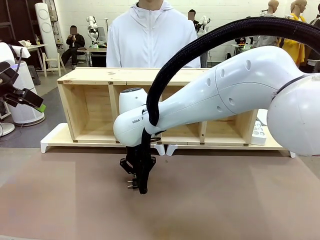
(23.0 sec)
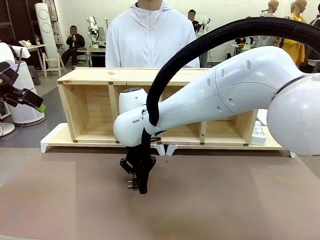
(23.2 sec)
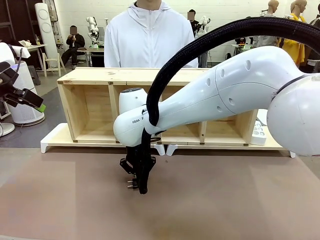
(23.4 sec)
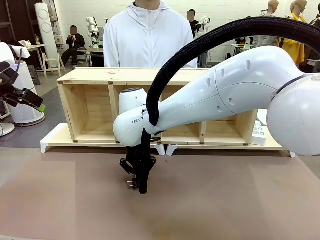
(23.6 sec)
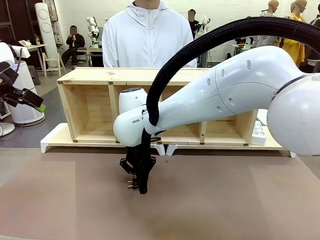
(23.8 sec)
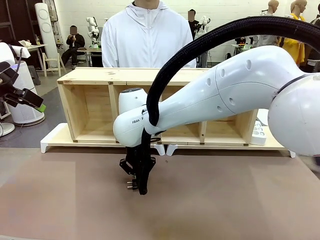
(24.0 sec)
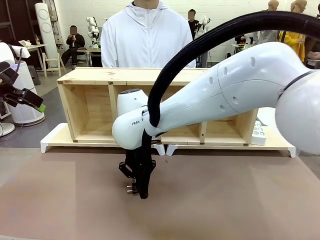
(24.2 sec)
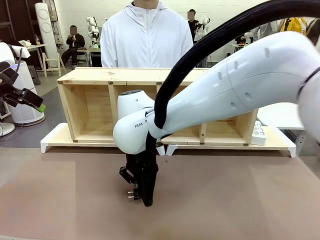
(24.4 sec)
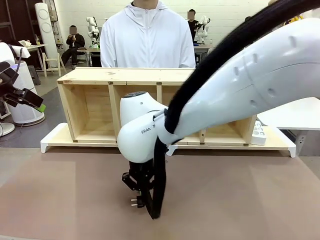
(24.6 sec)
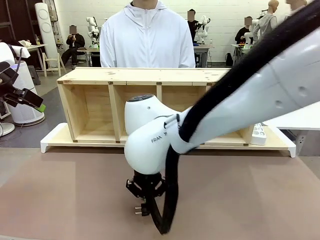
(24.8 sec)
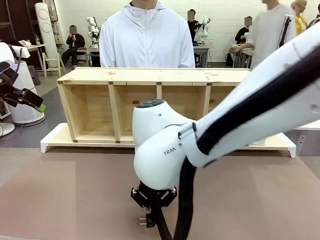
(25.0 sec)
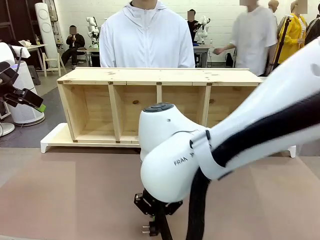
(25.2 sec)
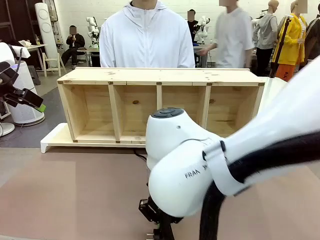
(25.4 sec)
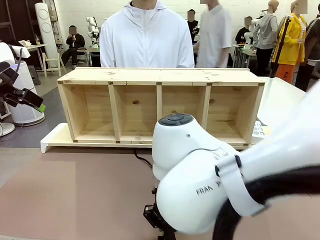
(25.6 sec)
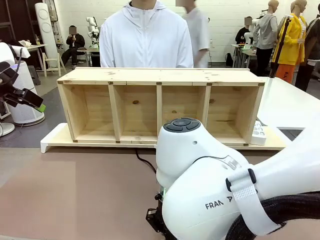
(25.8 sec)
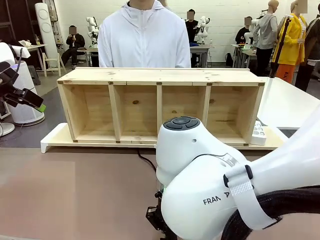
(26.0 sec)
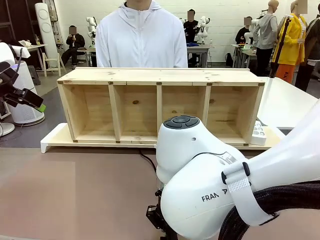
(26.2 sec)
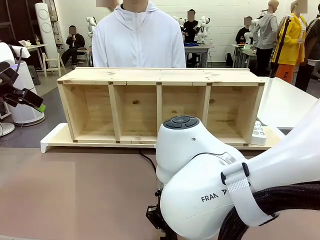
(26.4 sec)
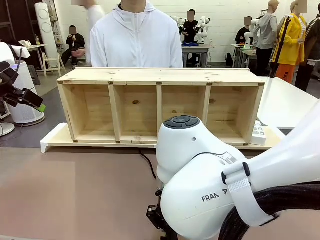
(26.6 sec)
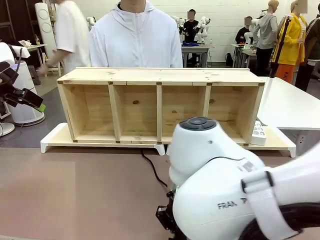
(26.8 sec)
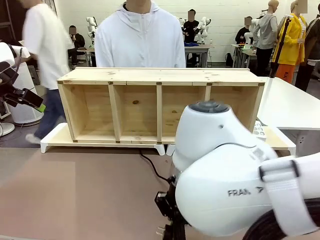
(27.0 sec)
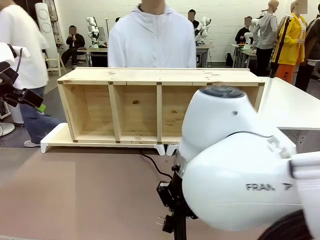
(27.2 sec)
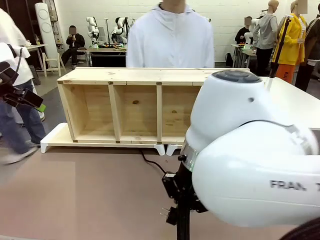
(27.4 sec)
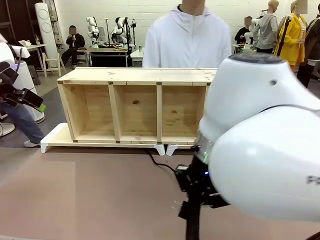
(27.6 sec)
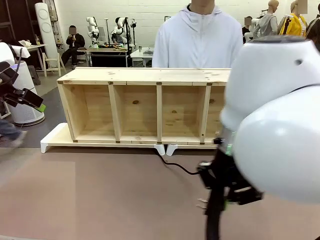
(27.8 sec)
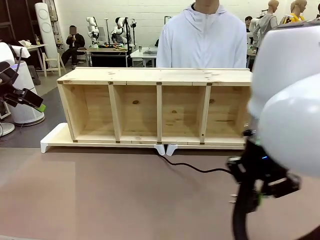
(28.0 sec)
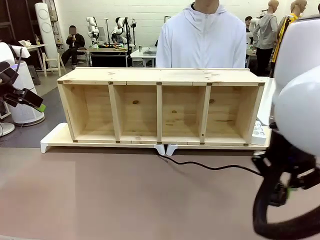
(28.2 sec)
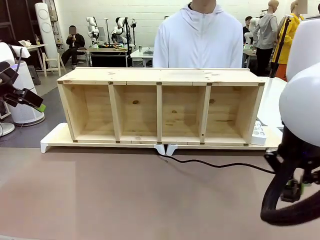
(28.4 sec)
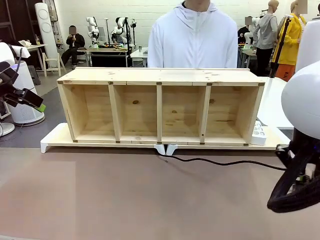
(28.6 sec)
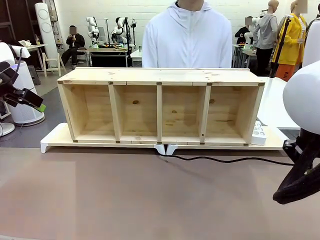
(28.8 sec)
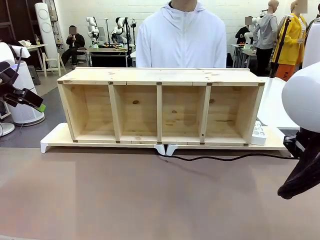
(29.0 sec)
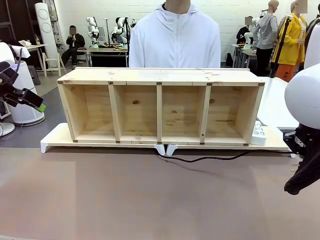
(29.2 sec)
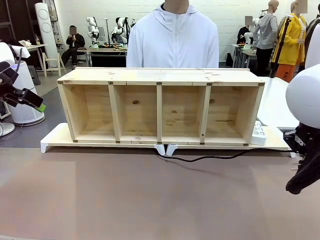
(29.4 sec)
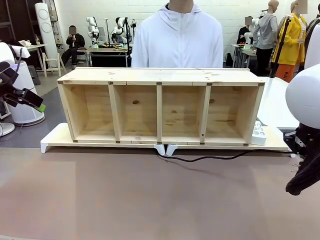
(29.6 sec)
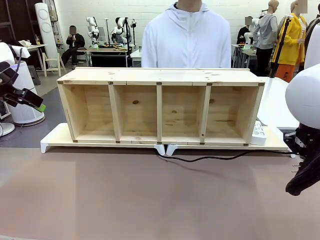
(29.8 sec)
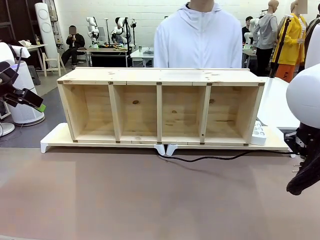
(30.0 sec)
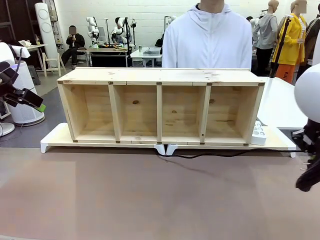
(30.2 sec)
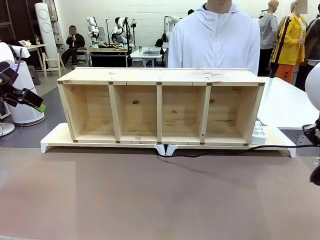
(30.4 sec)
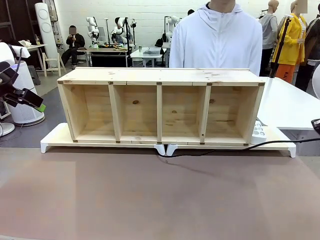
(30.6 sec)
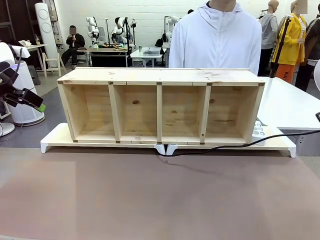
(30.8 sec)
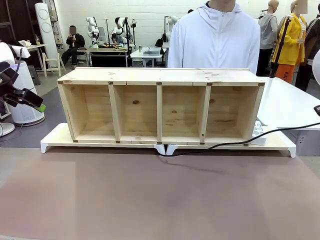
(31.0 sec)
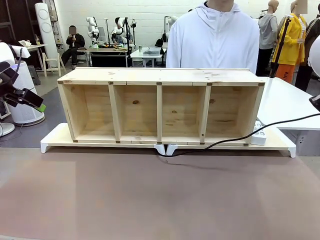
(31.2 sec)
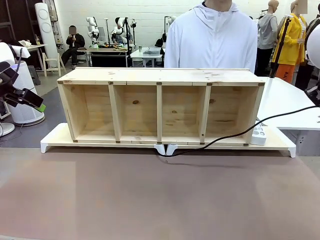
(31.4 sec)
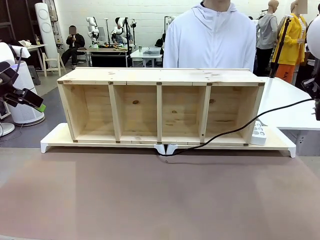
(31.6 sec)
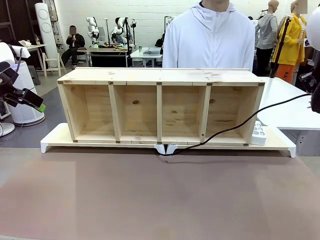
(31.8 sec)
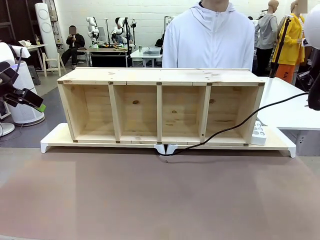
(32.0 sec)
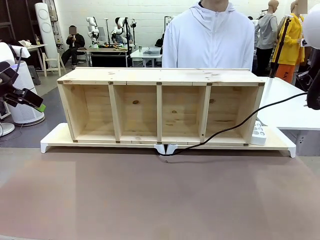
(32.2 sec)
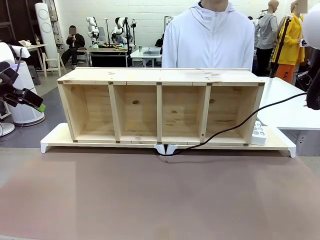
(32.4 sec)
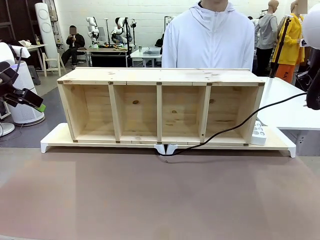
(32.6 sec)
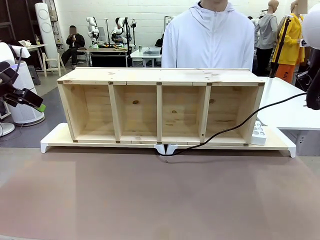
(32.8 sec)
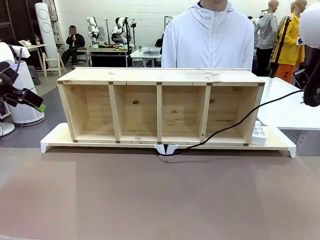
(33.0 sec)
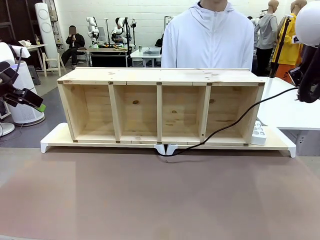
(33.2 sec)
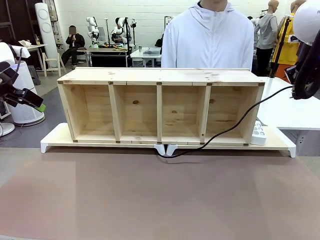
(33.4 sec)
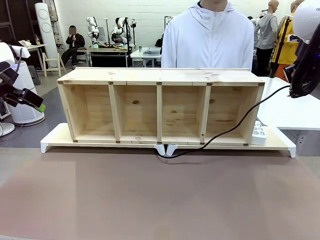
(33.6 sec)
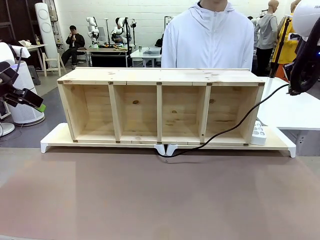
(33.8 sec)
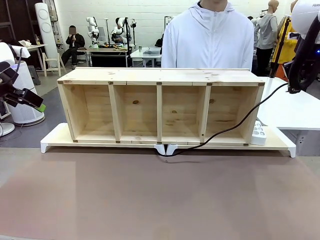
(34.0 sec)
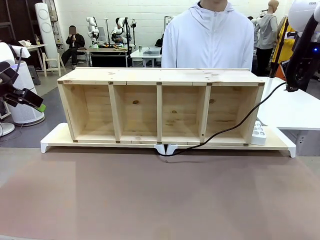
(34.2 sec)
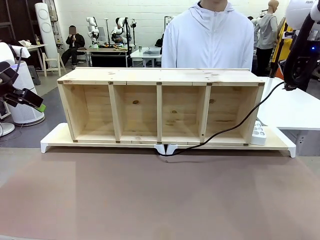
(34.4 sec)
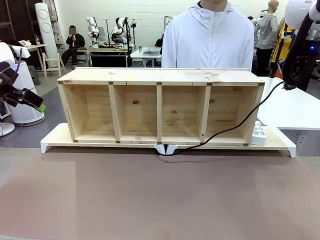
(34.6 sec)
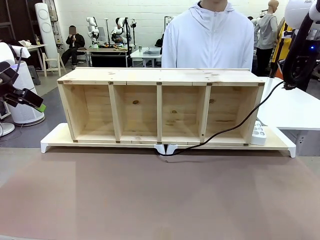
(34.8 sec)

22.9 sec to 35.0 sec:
Task: Perform cable management.
Robot: Pull the grasped Power Cable to the location of the Power Strip.

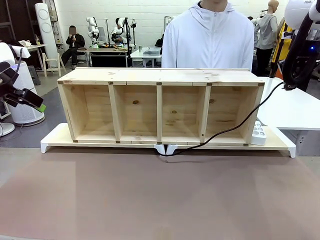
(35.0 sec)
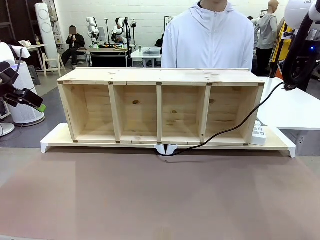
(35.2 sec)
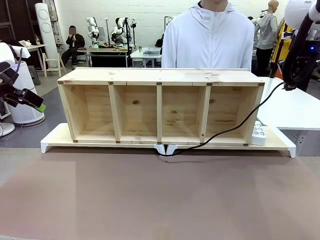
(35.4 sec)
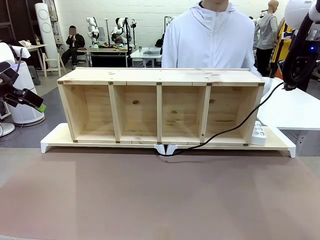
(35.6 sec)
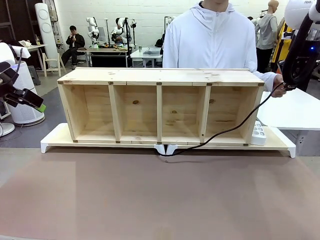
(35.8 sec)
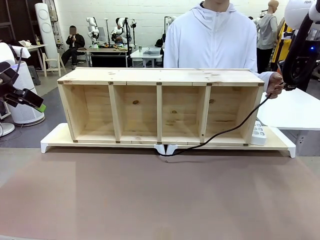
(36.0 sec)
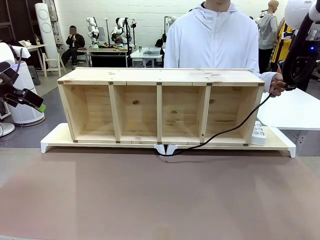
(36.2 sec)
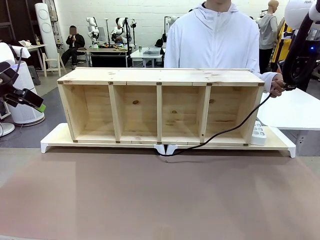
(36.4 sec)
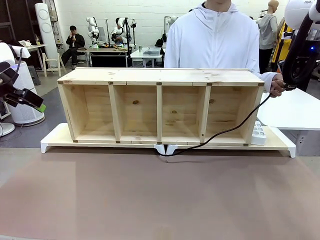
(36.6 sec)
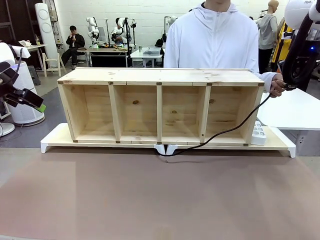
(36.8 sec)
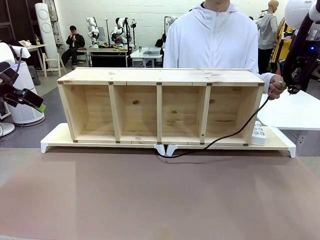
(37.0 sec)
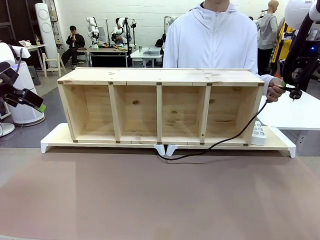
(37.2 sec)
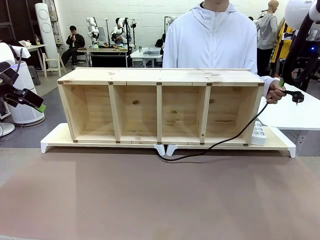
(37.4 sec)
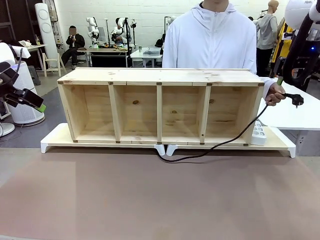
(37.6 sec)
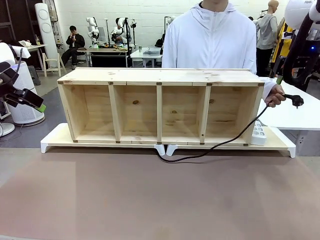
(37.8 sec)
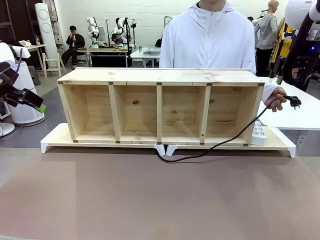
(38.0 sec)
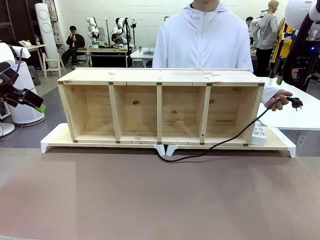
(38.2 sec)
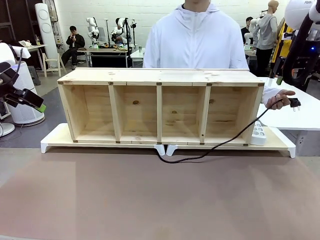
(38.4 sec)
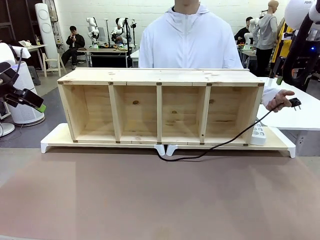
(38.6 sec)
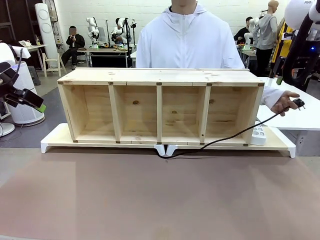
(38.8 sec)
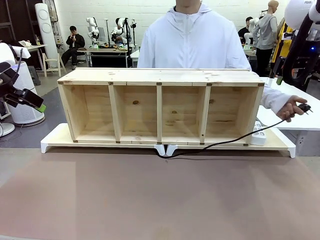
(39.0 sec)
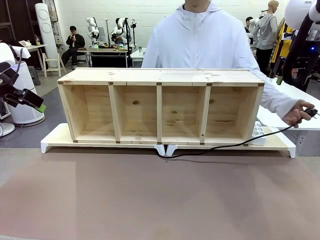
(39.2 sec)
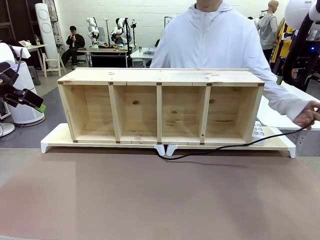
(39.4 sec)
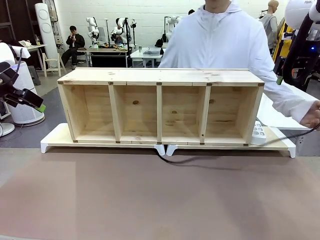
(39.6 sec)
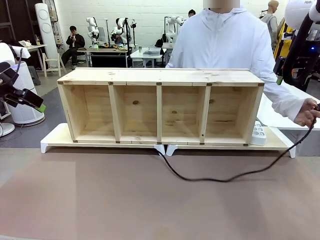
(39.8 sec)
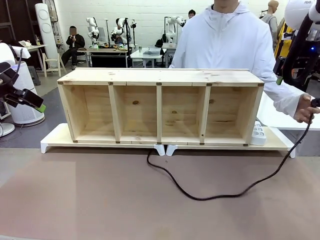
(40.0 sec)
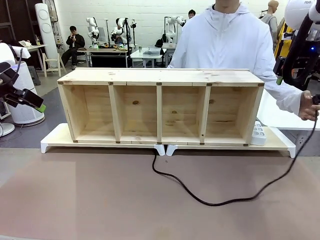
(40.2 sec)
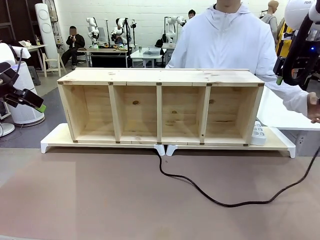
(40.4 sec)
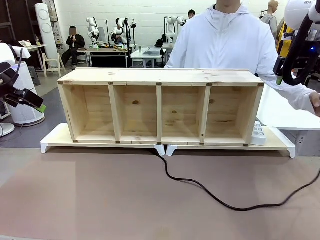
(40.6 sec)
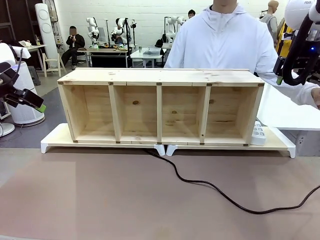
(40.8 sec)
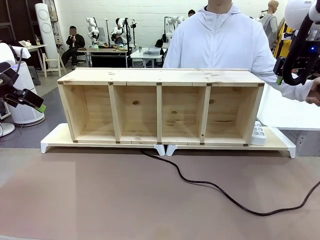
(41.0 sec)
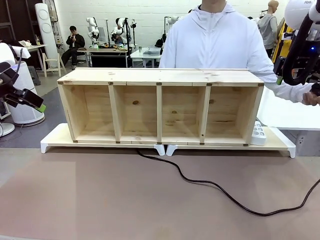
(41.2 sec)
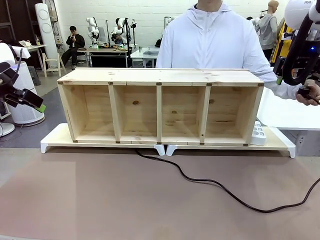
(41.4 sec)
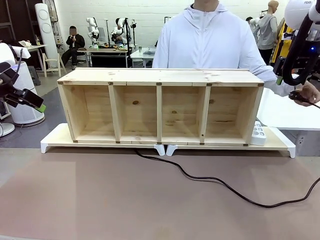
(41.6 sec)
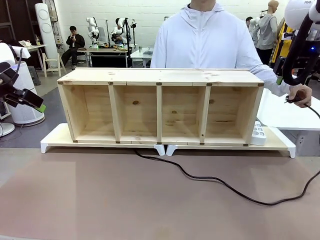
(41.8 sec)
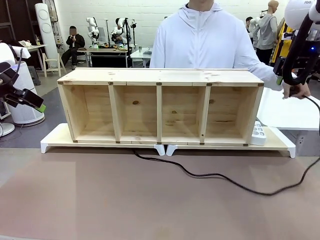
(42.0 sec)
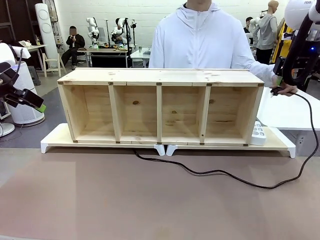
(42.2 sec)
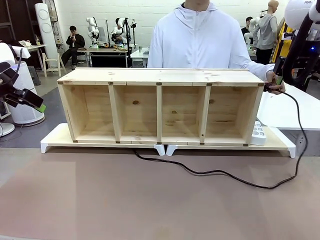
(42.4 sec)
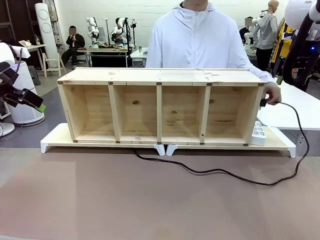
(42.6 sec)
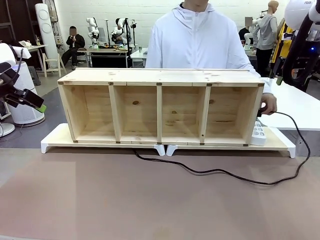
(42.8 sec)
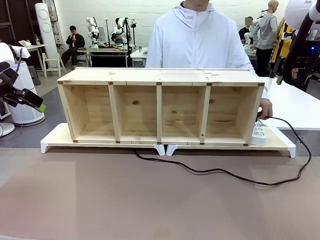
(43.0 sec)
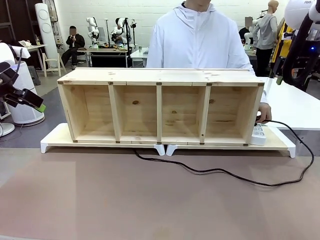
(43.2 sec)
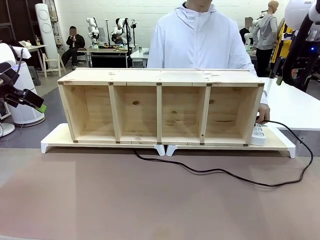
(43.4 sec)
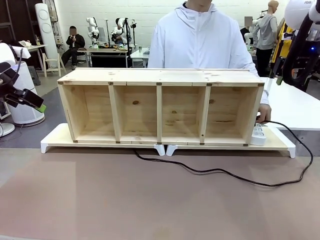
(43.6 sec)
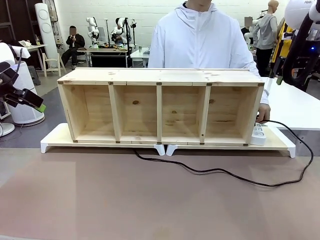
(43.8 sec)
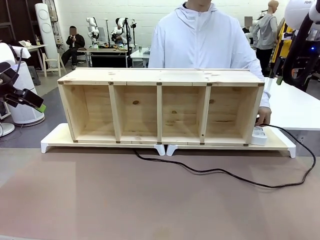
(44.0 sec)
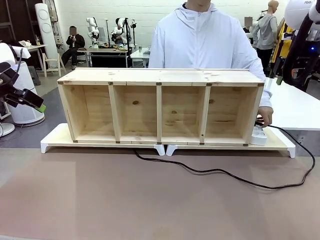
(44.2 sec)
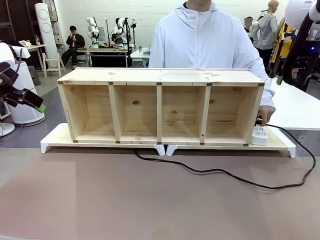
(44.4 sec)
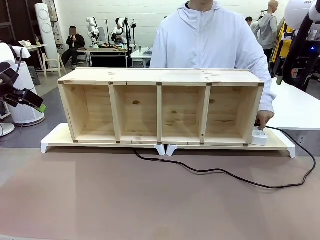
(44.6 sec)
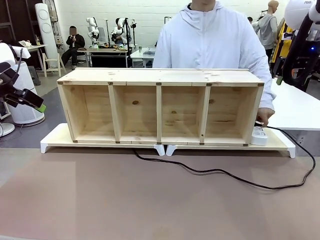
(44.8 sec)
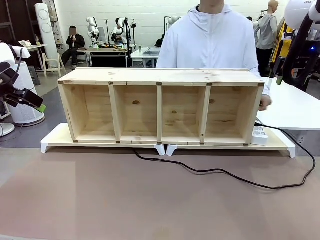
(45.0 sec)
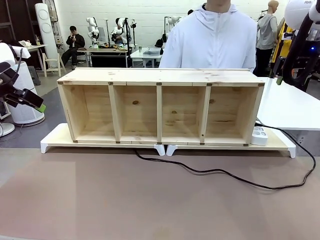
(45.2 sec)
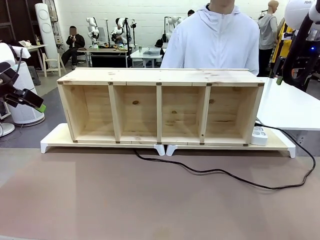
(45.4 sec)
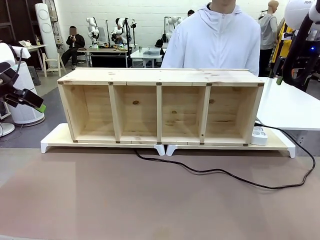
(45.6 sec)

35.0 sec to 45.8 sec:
Robot: Release the Power Cable when the human grasps it.
Person: Plug the Power Cable into the Power Strip.
